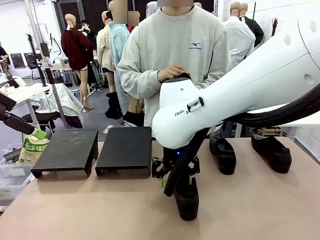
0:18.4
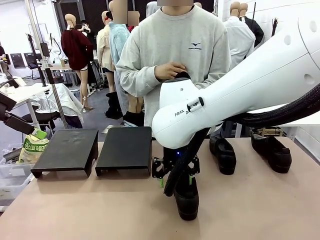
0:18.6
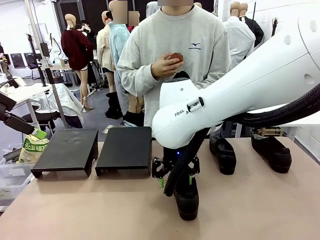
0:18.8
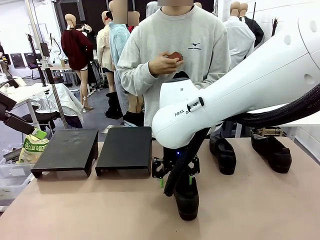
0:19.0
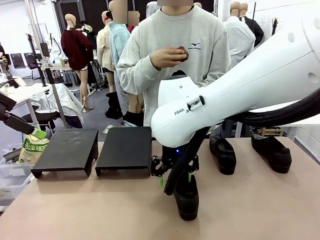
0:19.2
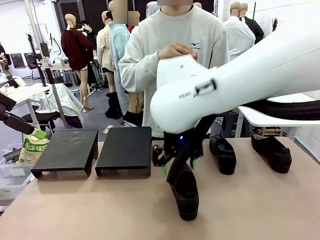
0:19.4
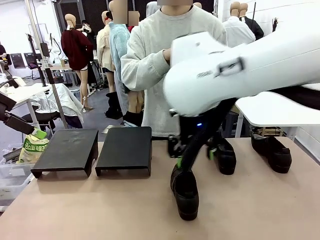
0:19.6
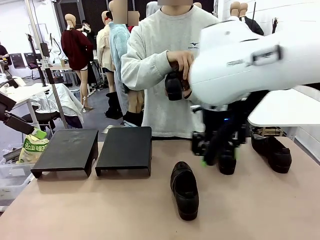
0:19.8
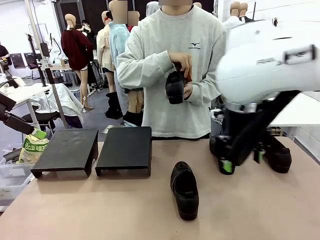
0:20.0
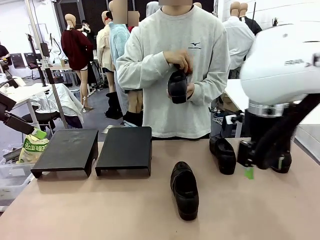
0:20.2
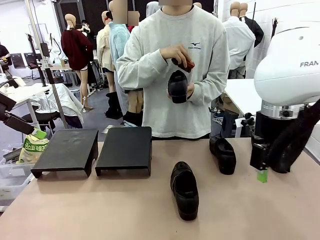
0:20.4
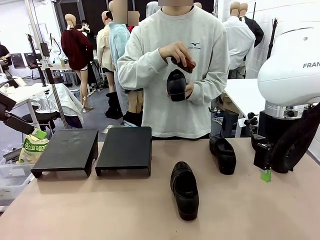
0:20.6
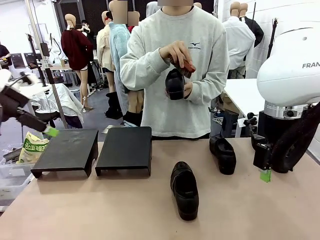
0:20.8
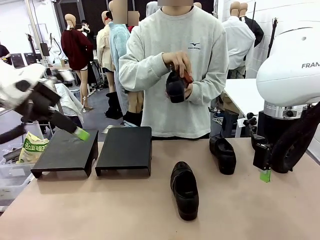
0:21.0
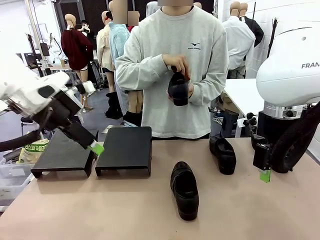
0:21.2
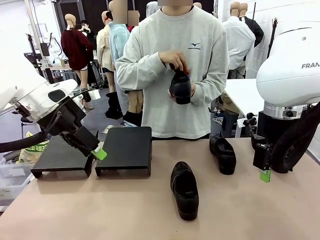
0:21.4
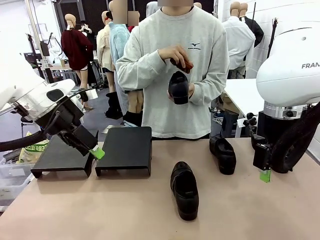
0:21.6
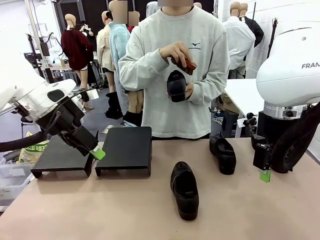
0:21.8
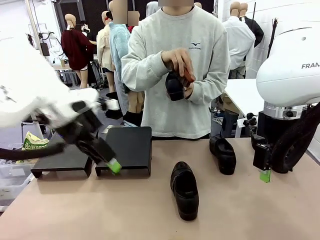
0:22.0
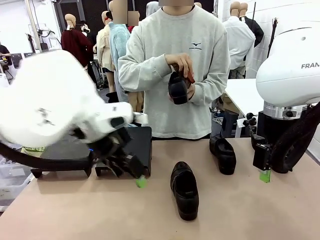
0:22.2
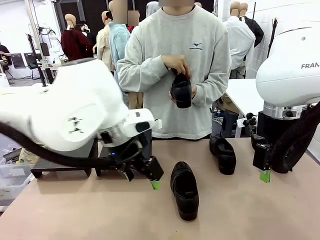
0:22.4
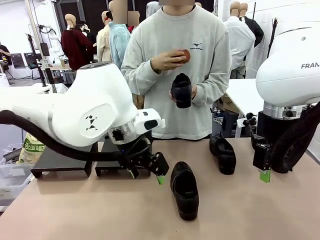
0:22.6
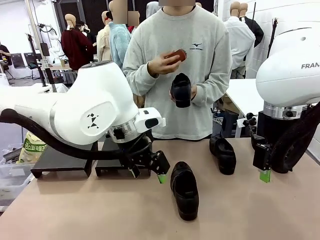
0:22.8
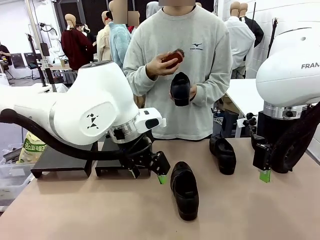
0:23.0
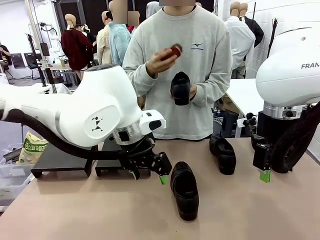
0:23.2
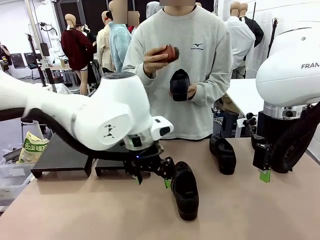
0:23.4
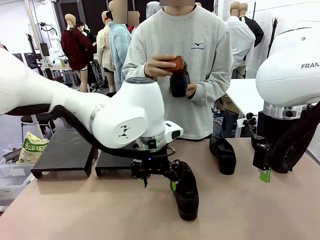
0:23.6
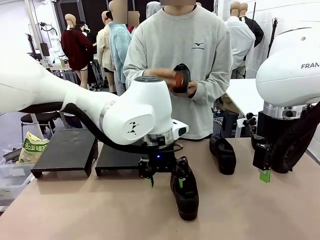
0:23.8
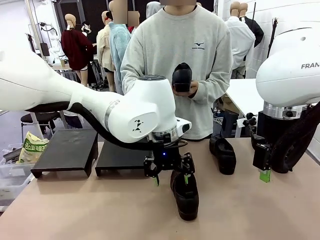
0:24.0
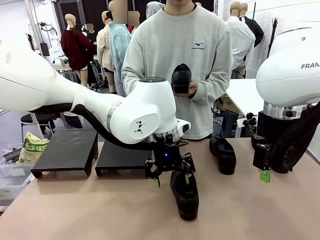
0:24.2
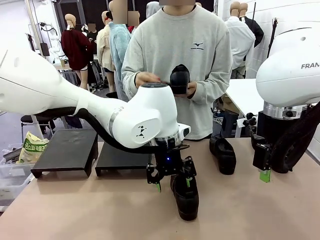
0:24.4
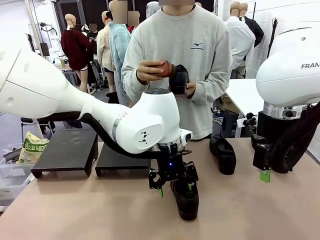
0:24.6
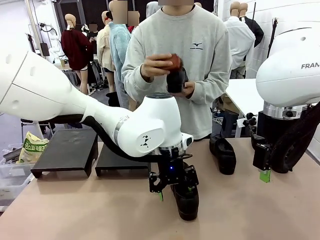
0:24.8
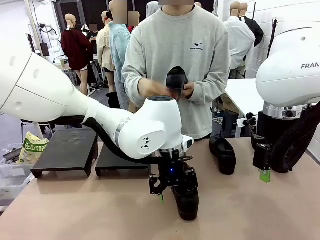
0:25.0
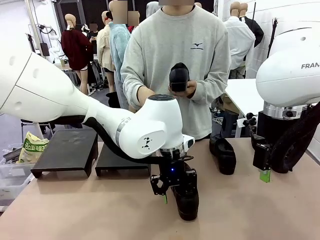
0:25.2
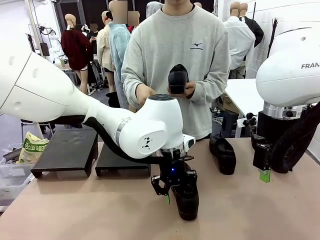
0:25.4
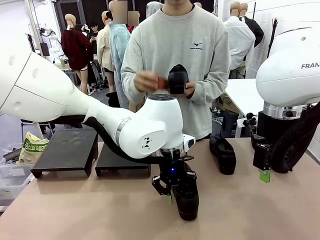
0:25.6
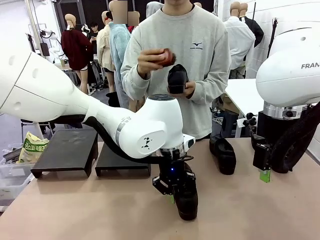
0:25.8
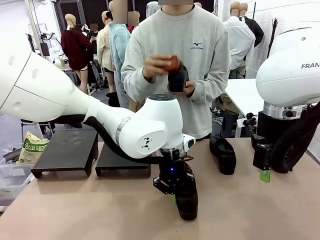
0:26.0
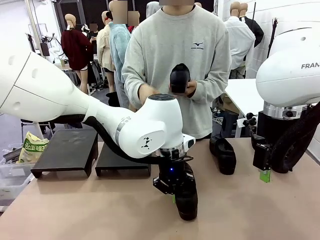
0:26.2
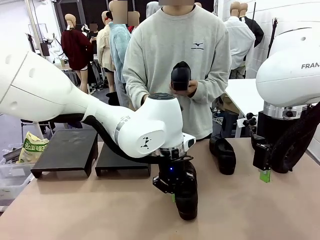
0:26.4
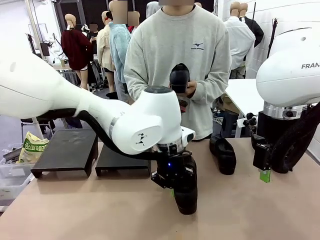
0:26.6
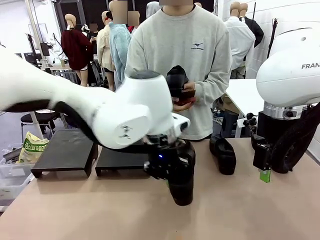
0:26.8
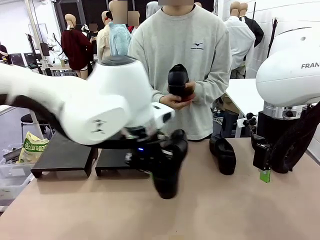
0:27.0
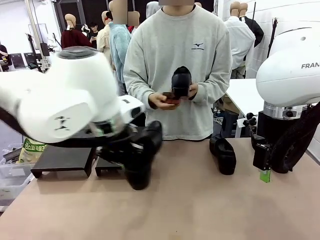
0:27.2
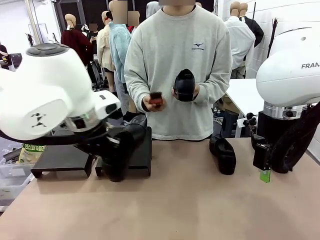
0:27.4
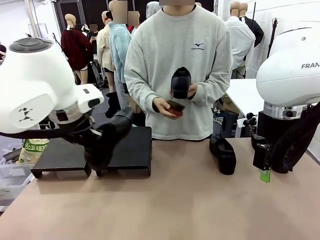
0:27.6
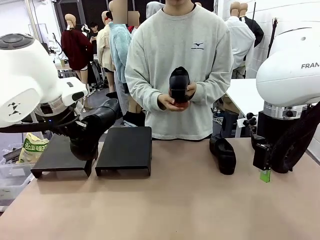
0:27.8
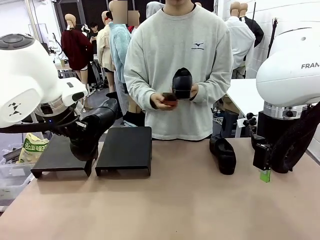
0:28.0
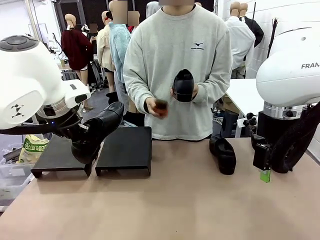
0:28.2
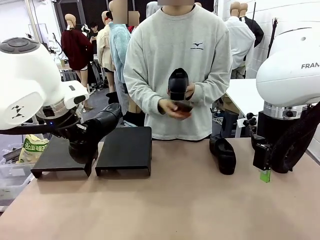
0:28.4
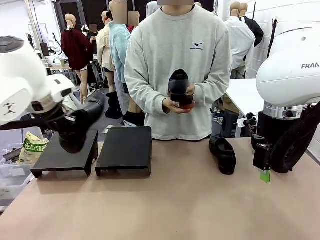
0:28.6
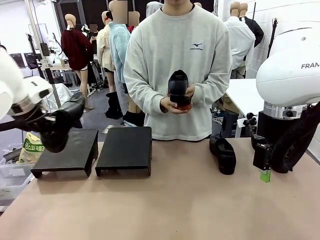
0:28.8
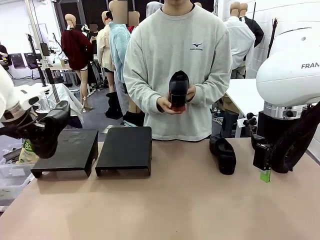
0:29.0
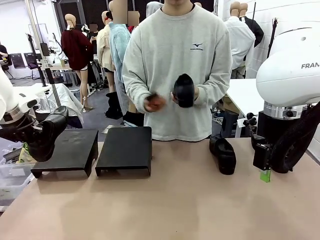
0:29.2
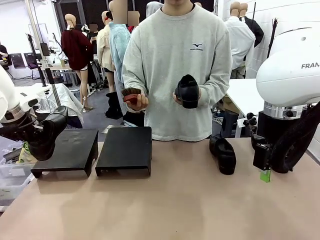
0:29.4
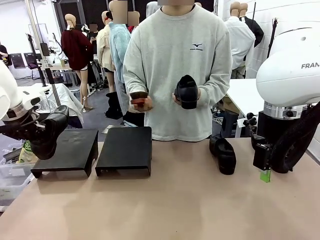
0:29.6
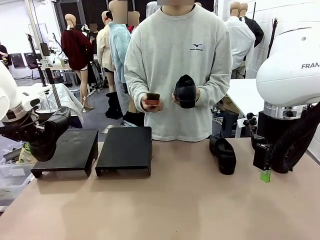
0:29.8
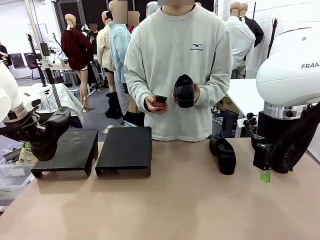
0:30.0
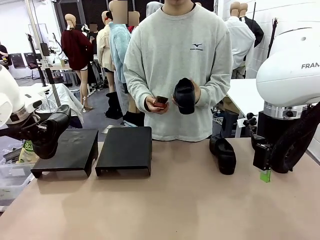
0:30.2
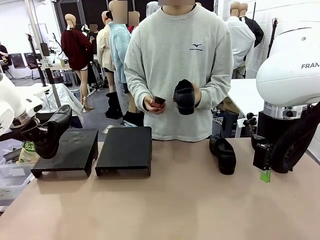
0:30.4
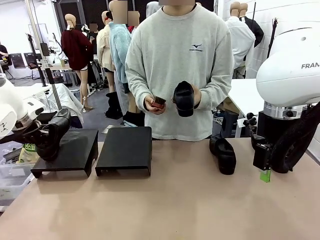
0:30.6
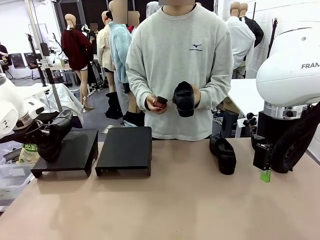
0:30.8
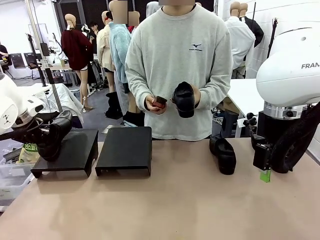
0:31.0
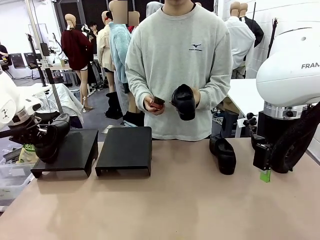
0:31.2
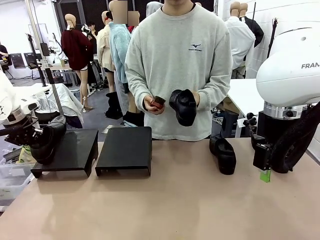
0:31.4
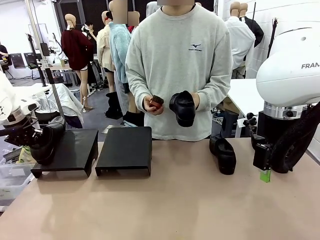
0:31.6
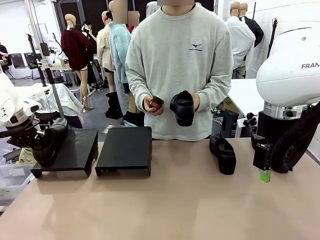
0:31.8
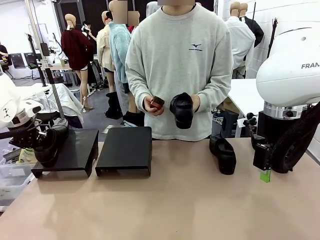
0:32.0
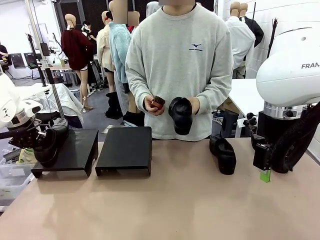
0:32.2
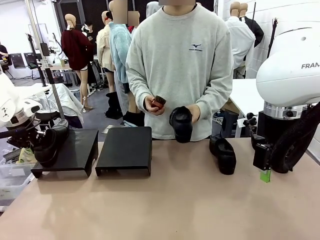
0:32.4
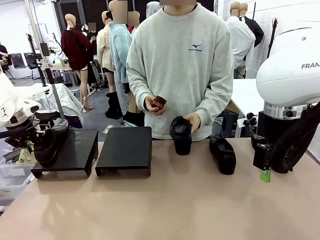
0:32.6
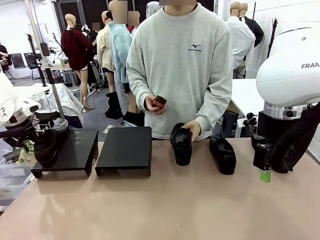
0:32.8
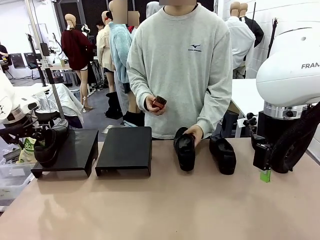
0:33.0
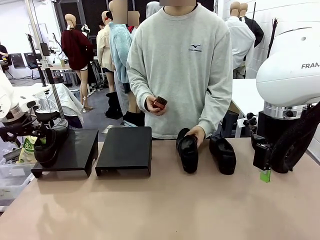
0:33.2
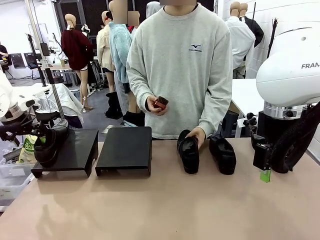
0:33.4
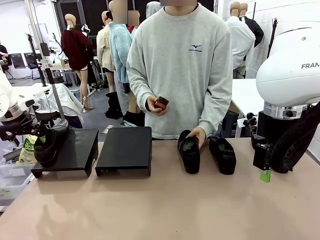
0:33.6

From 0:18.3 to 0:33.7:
Task: Organize the shoes by placing them on the stand.
Robot: Place the Shoe from the middle of the table onto the Shoes Stand.
Person: Clean the Shoe with the Shoe Brush. Place the Shoe on left side of the Robot's table.
